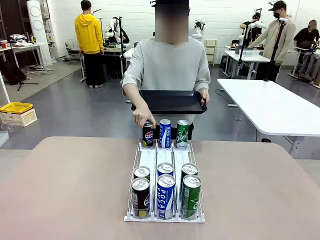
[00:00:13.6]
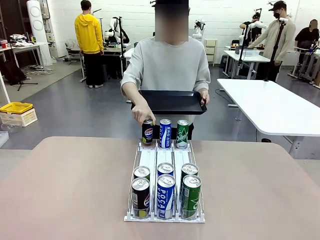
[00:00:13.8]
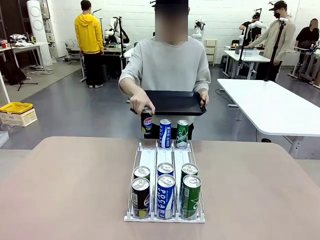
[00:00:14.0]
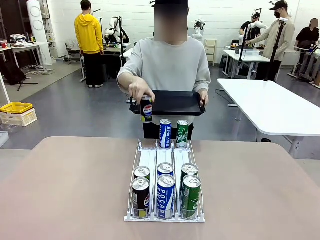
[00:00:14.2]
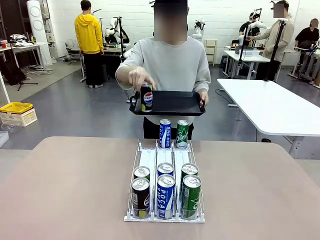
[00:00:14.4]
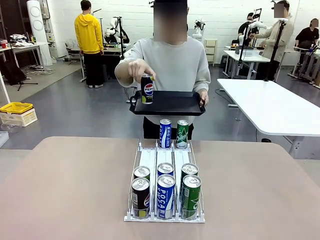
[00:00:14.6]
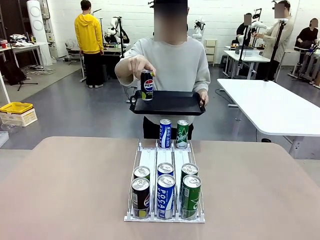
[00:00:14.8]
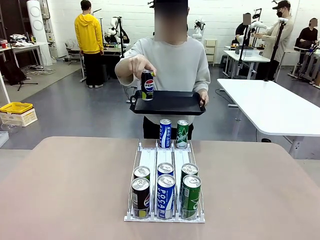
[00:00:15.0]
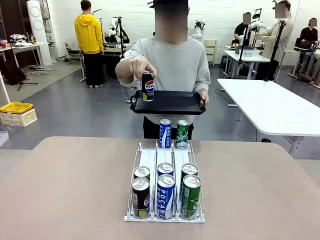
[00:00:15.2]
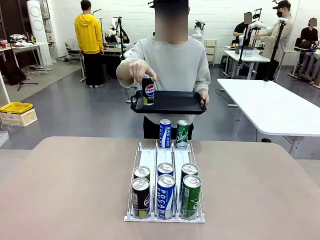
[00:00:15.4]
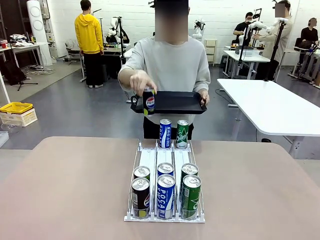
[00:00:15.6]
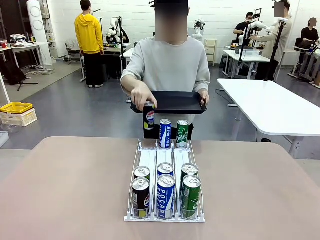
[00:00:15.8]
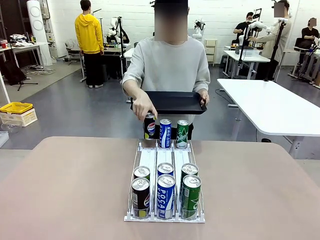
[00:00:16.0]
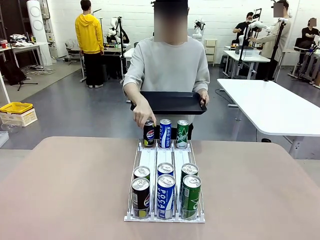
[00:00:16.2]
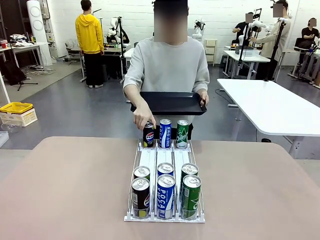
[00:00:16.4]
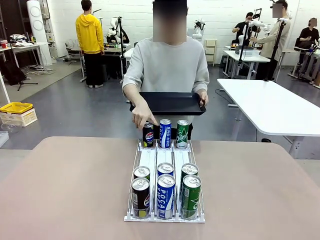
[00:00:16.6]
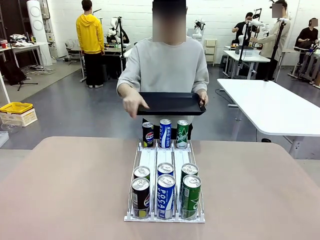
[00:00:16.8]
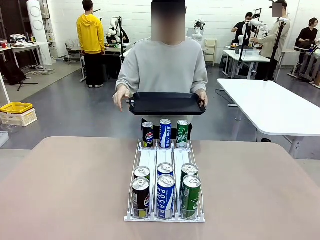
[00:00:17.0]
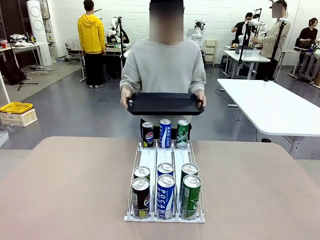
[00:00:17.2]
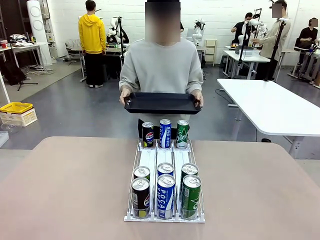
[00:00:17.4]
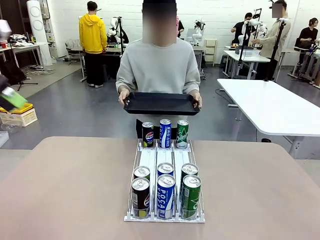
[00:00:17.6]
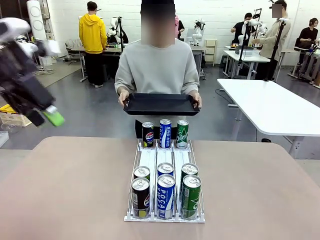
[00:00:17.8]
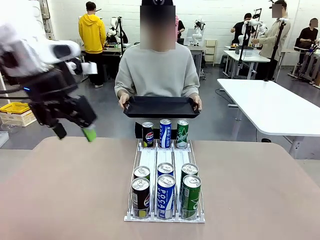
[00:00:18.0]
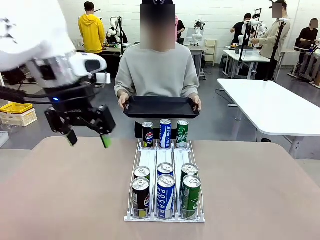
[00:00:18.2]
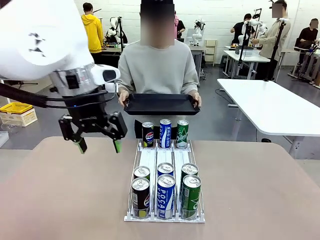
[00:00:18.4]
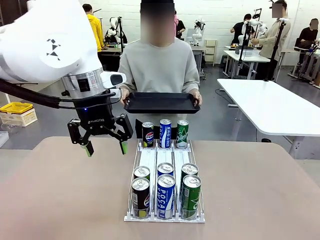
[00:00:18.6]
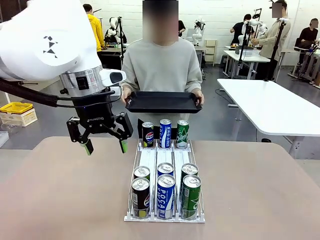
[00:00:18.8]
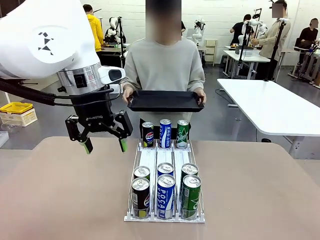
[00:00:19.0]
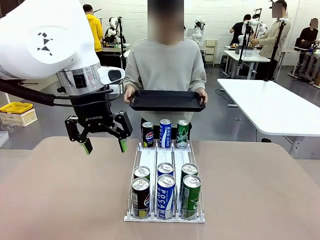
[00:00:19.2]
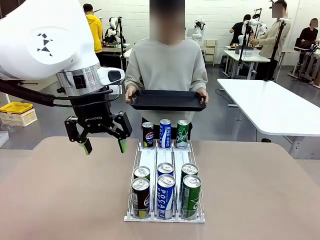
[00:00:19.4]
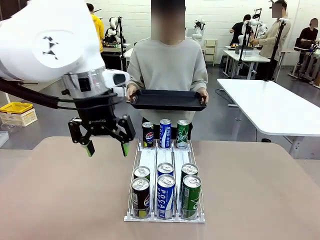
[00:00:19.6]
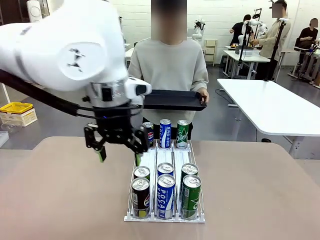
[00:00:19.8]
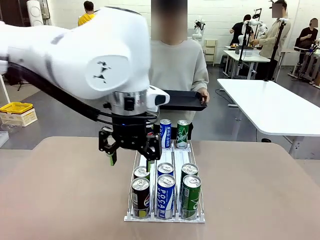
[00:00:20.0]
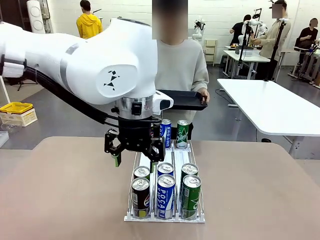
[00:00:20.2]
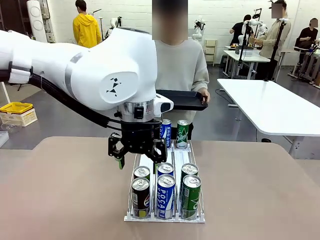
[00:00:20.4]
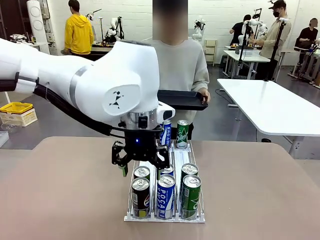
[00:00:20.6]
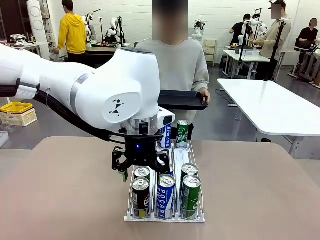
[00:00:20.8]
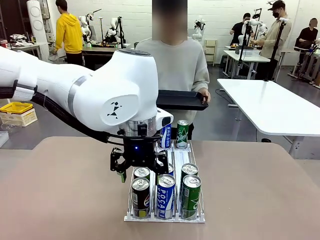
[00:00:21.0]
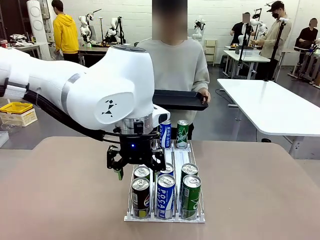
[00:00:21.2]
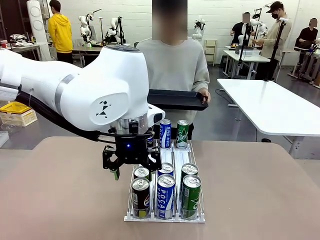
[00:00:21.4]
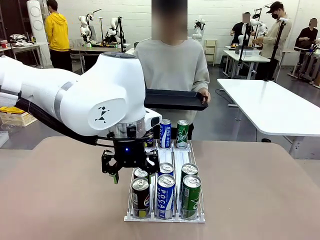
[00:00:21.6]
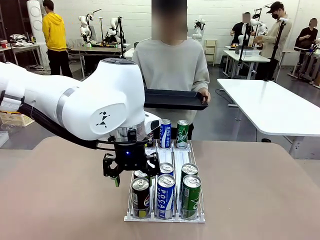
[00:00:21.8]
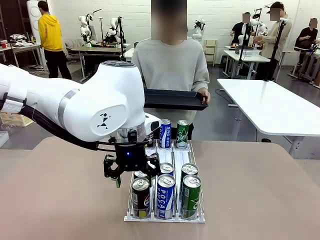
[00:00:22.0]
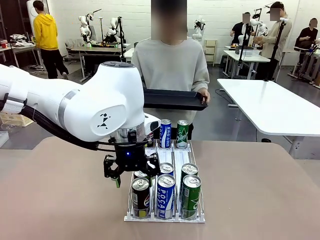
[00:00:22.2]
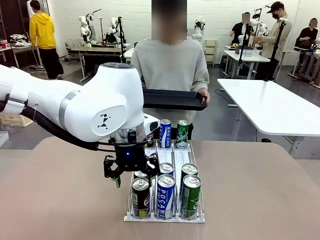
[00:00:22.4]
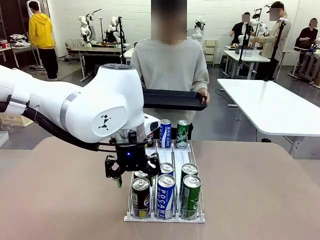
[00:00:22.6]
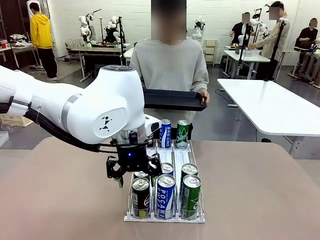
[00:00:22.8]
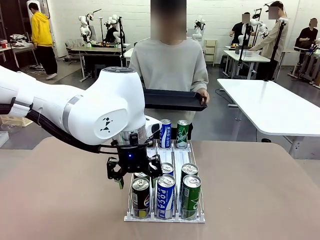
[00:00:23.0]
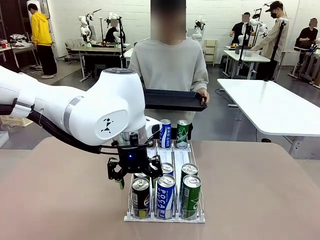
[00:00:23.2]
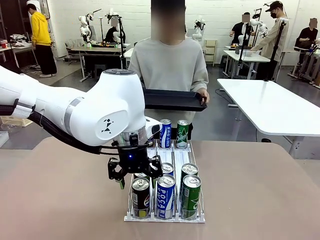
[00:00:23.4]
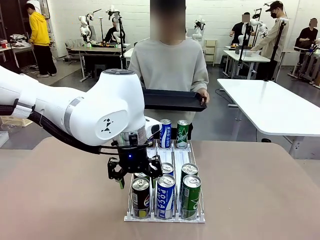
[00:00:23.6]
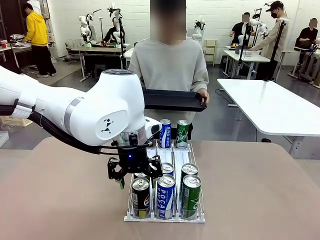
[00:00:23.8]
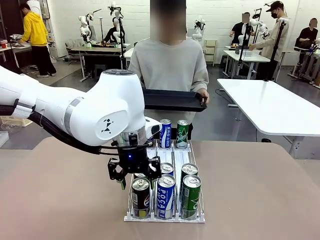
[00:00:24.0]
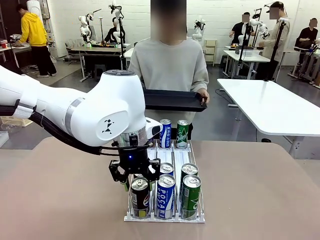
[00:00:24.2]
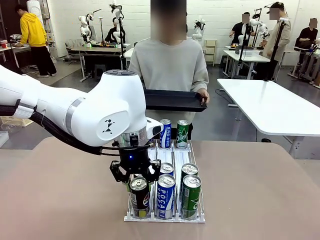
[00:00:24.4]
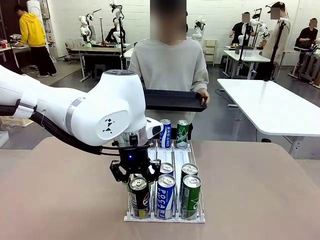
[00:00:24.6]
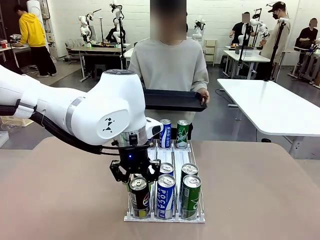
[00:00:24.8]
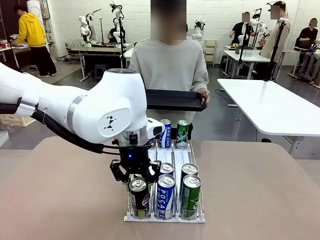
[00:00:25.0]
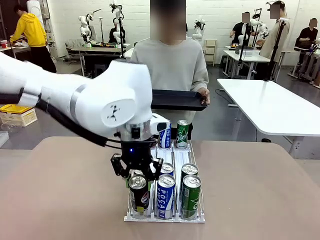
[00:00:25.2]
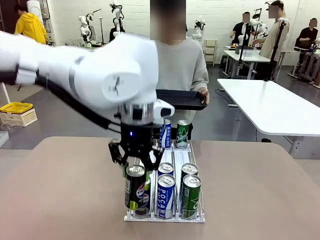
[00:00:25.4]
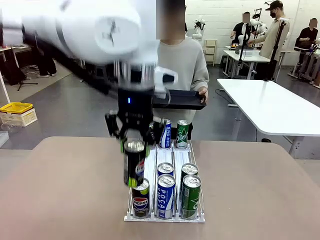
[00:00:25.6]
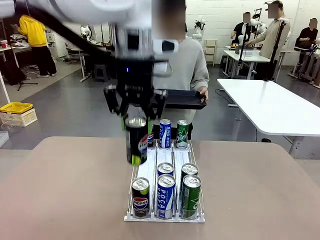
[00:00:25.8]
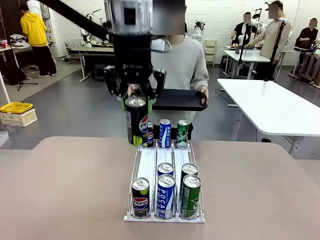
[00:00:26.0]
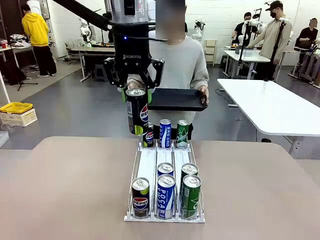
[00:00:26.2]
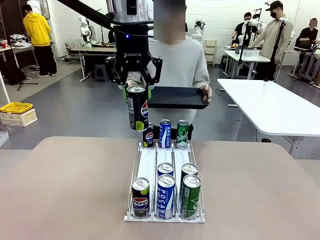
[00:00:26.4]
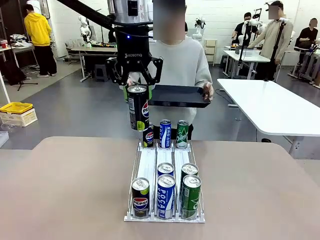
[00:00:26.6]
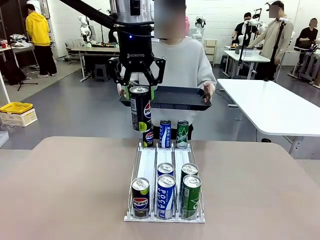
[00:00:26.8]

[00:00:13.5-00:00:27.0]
Task: Retrieve and hand over the desired beverage to the person.
Robot: Pick up a can of the same type that the person held from the Automatic Can Dispenser.
Person: Pick up one can from the bottom area of the table and puts it back in its original place. Push the tray toward the robot.

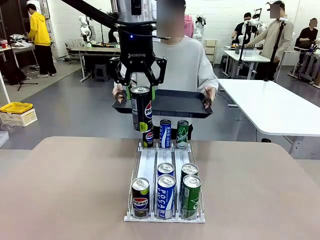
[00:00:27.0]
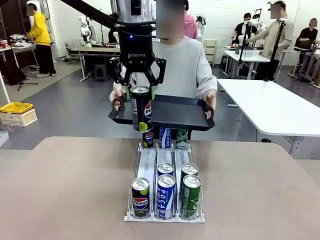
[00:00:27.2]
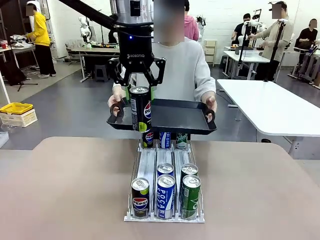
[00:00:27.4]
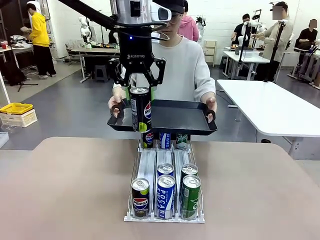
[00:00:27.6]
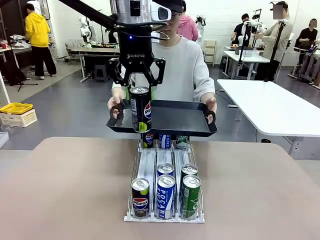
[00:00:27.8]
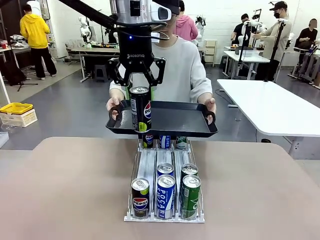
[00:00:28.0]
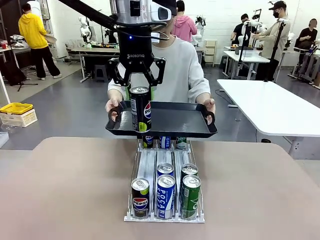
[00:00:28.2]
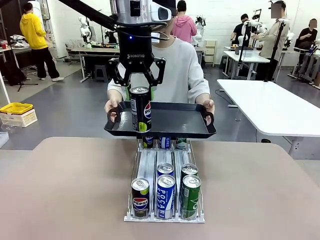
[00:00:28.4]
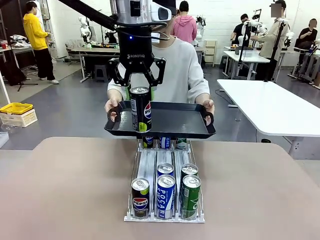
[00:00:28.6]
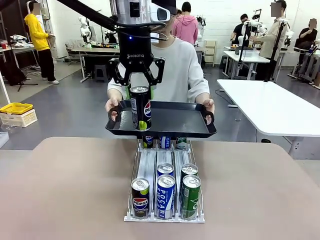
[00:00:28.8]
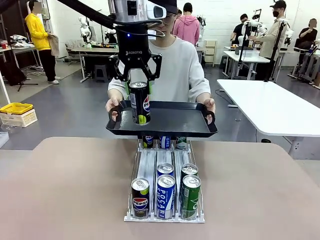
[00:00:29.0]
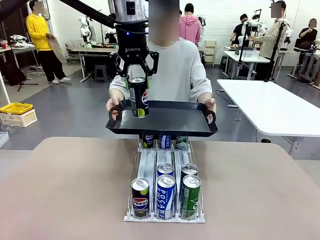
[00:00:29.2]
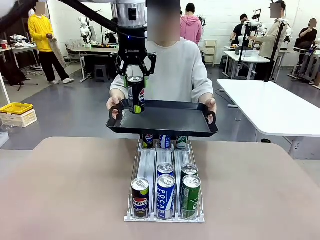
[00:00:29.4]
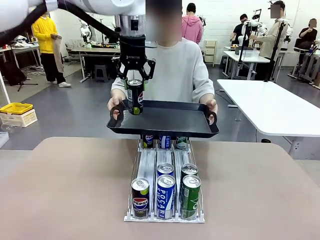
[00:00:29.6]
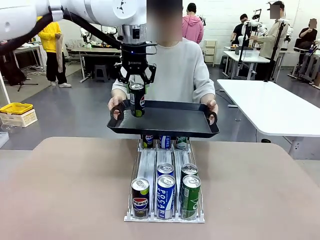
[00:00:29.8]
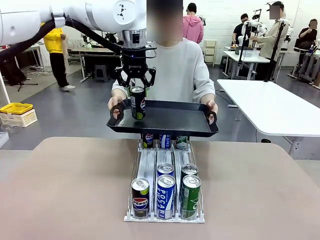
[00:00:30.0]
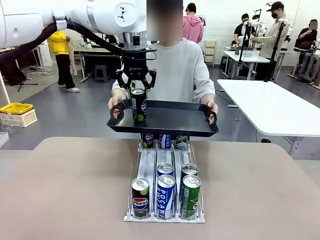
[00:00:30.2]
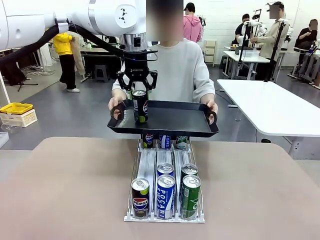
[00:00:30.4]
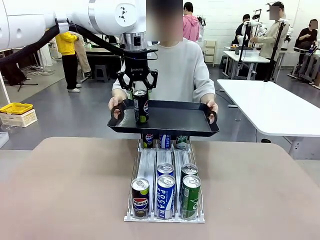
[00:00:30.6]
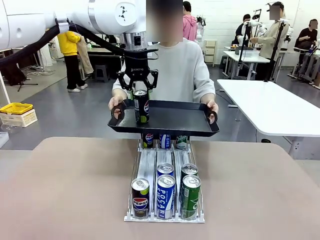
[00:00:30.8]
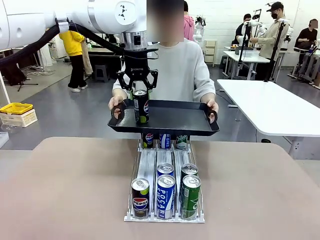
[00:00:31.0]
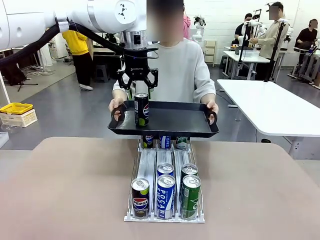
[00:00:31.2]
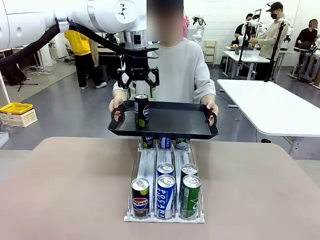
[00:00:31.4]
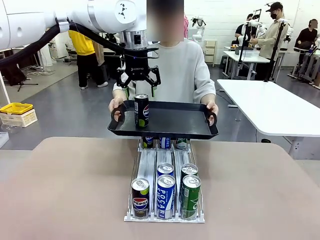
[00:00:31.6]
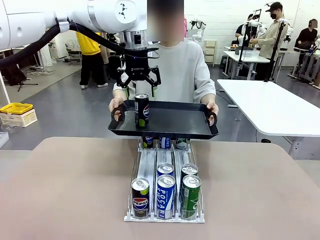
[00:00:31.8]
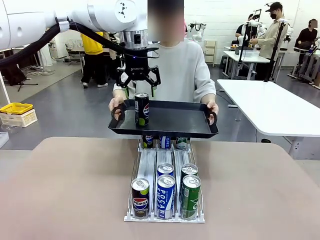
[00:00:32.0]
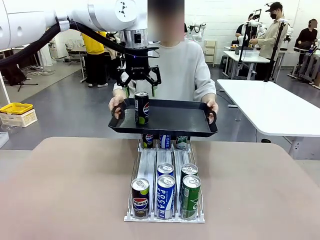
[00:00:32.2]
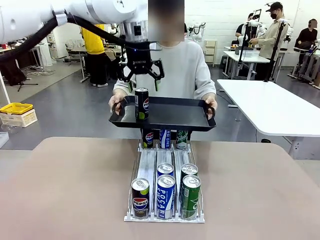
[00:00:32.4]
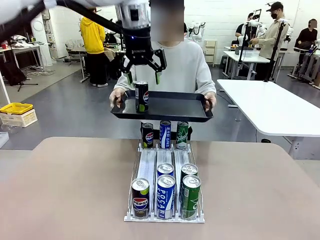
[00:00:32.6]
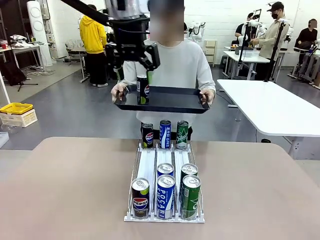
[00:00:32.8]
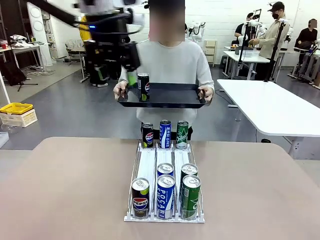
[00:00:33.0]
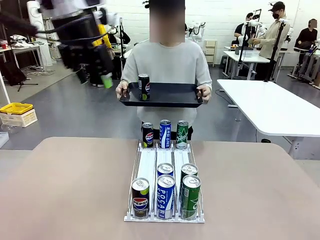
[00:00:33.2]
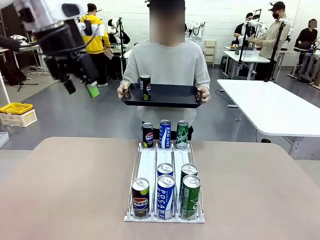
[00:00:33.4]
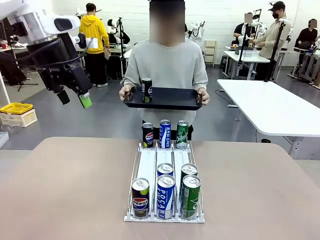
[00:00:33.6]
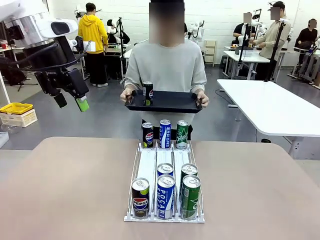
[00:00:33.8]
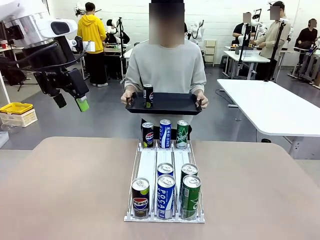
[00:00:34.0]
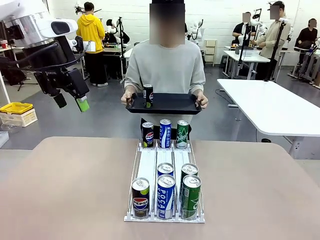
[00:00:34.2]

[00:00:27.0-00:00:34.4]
Robot: Place the picked can on the Handle tray extended by the person.
